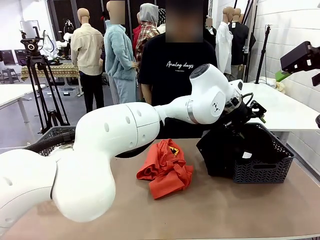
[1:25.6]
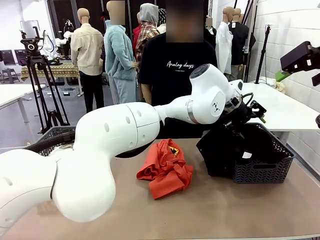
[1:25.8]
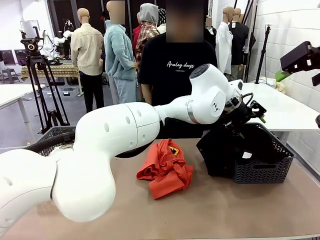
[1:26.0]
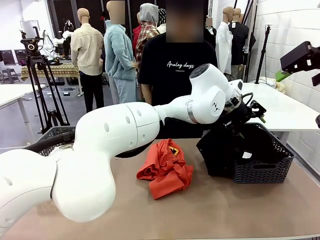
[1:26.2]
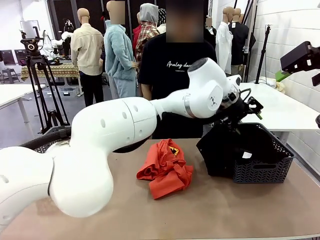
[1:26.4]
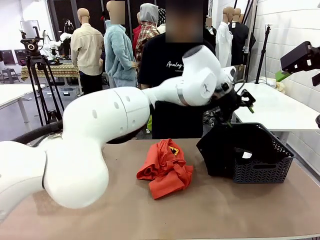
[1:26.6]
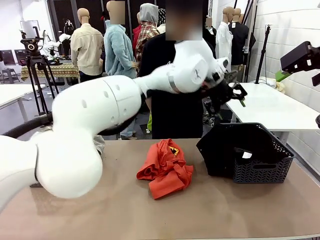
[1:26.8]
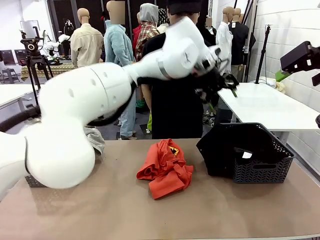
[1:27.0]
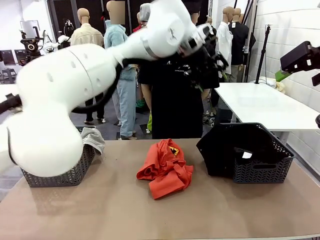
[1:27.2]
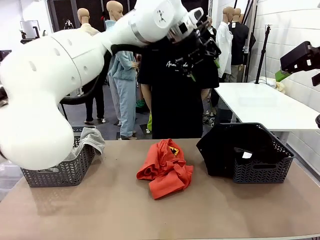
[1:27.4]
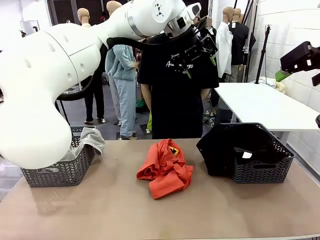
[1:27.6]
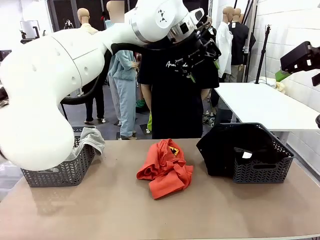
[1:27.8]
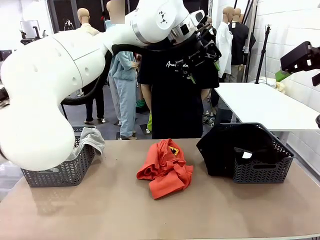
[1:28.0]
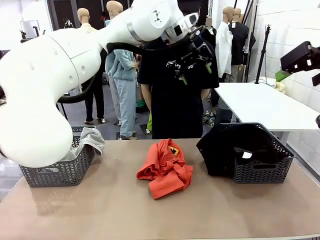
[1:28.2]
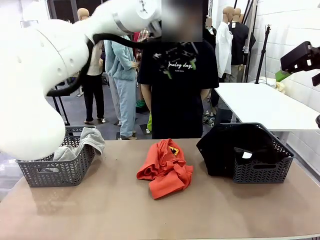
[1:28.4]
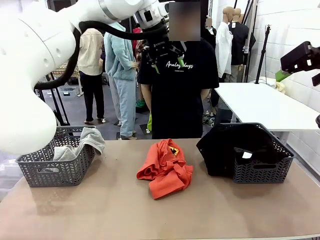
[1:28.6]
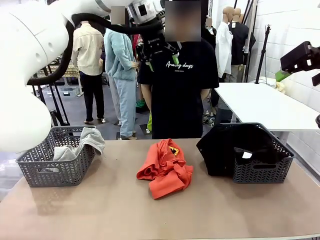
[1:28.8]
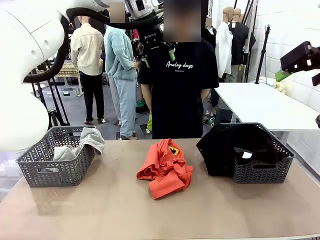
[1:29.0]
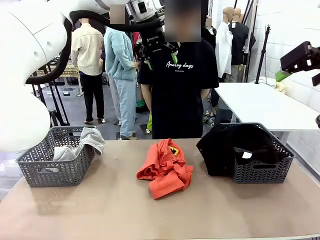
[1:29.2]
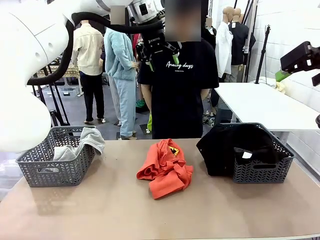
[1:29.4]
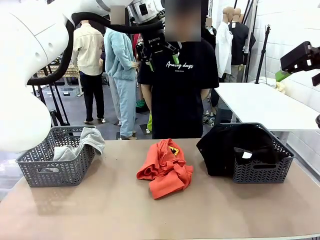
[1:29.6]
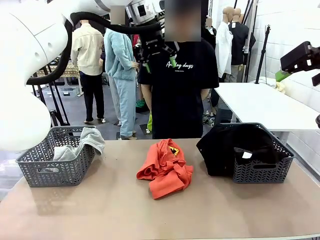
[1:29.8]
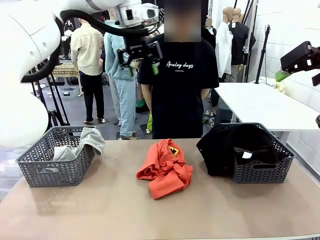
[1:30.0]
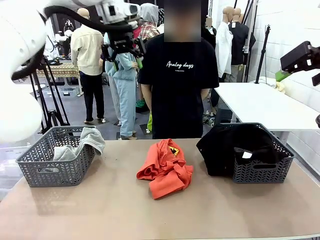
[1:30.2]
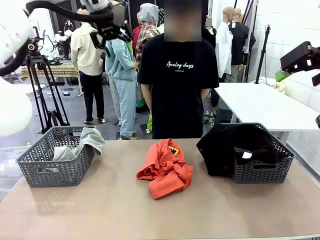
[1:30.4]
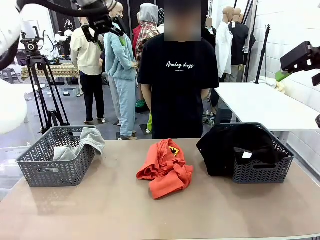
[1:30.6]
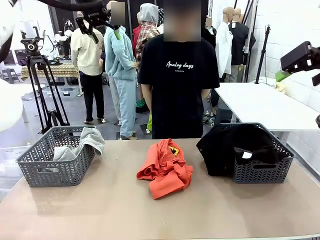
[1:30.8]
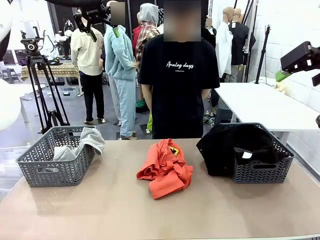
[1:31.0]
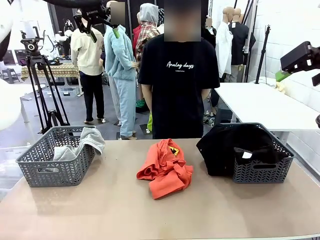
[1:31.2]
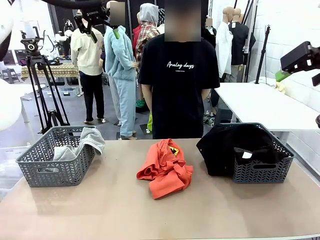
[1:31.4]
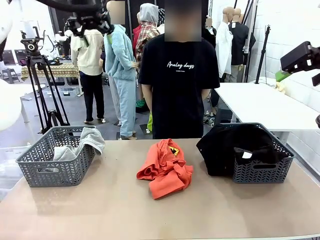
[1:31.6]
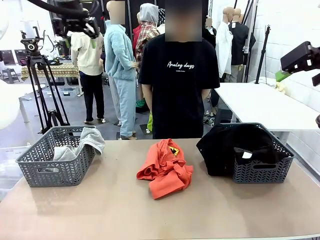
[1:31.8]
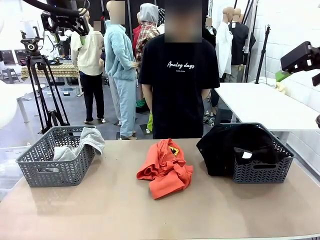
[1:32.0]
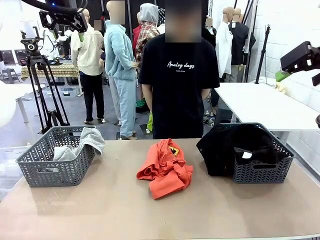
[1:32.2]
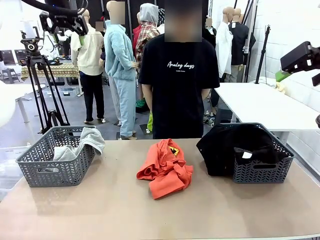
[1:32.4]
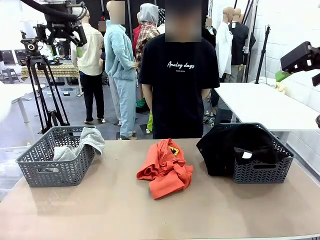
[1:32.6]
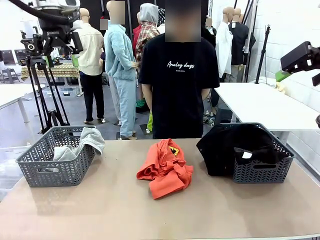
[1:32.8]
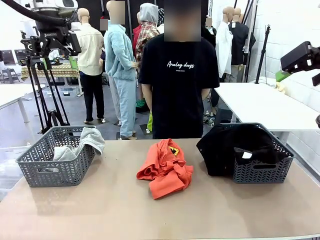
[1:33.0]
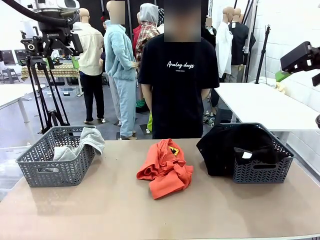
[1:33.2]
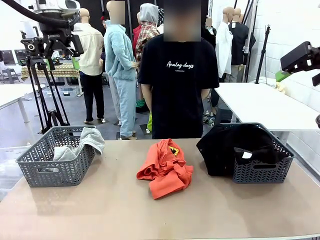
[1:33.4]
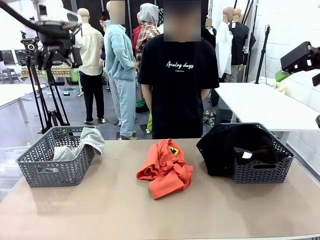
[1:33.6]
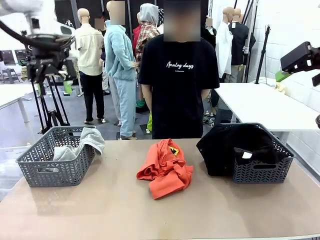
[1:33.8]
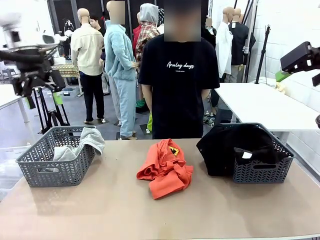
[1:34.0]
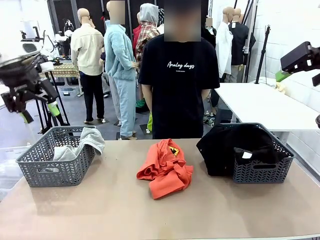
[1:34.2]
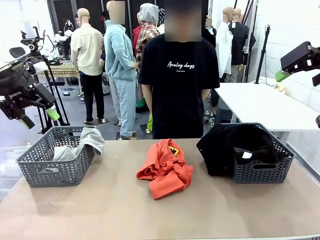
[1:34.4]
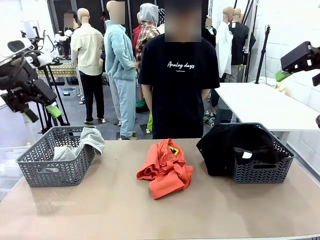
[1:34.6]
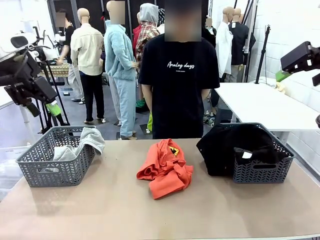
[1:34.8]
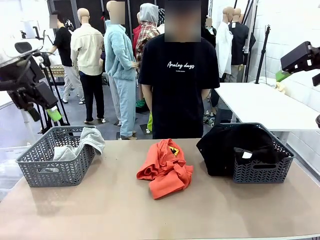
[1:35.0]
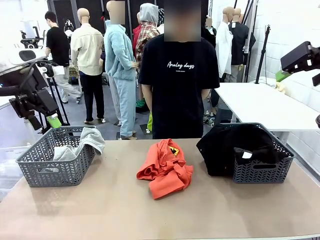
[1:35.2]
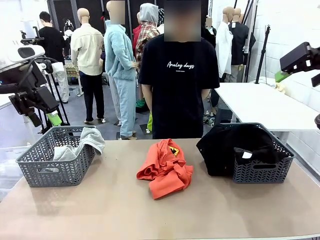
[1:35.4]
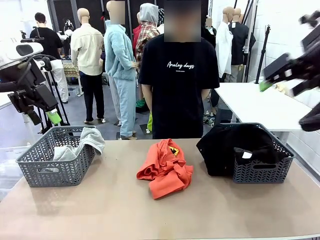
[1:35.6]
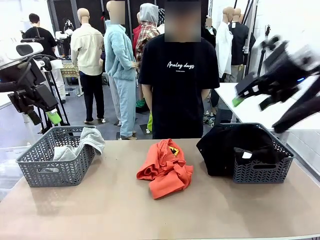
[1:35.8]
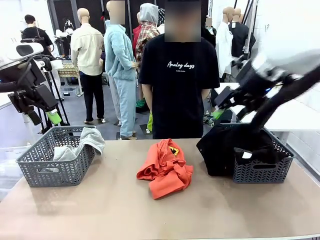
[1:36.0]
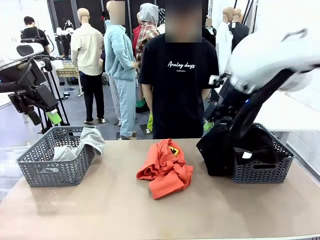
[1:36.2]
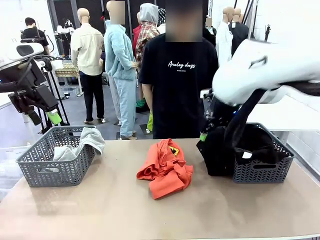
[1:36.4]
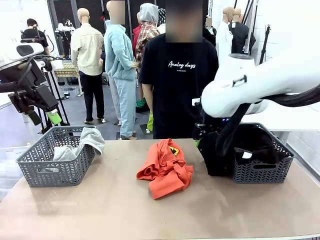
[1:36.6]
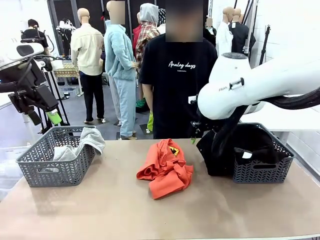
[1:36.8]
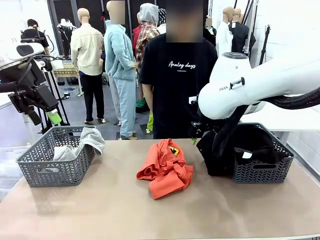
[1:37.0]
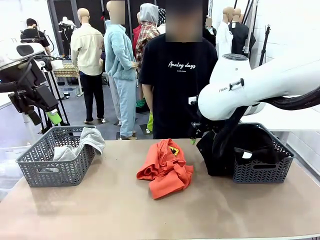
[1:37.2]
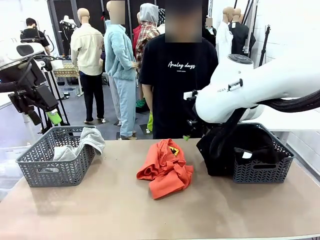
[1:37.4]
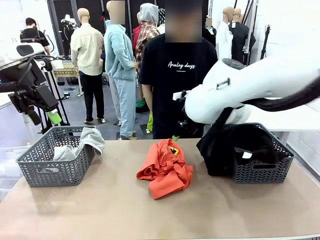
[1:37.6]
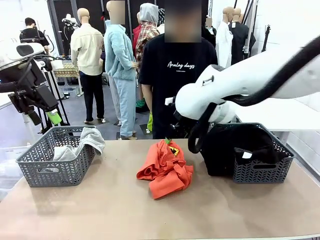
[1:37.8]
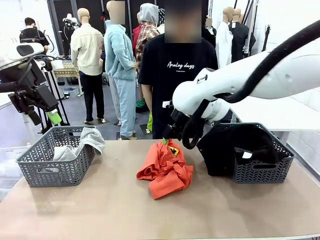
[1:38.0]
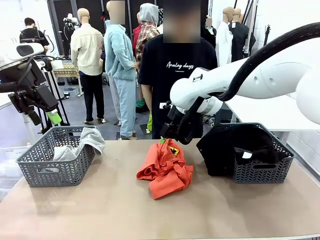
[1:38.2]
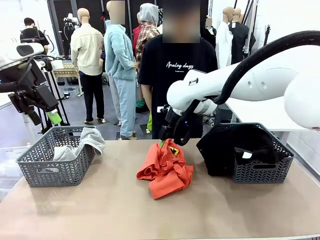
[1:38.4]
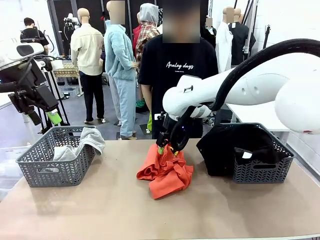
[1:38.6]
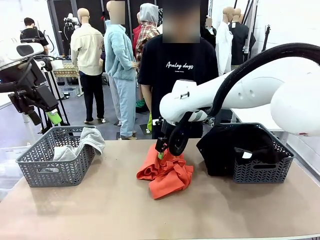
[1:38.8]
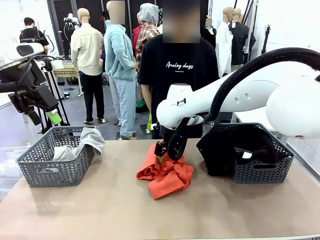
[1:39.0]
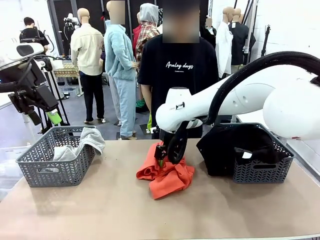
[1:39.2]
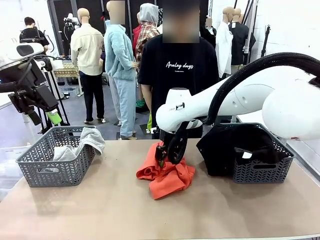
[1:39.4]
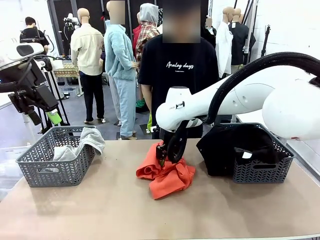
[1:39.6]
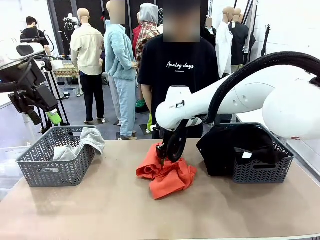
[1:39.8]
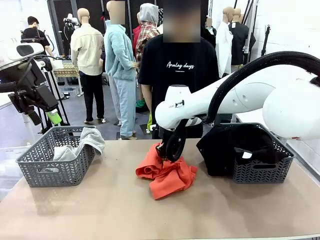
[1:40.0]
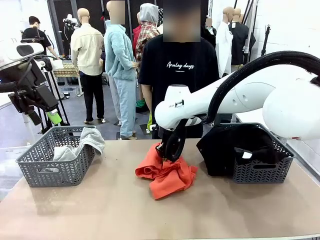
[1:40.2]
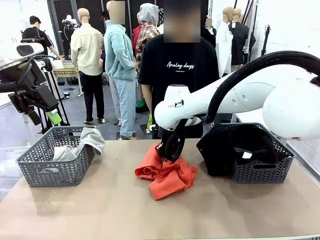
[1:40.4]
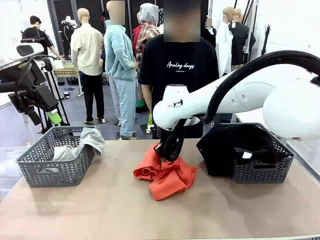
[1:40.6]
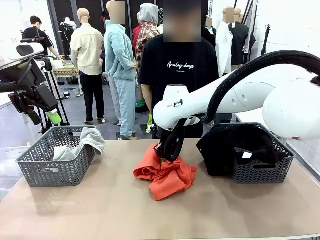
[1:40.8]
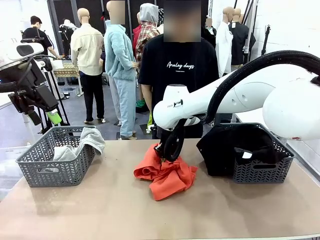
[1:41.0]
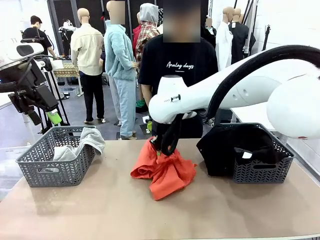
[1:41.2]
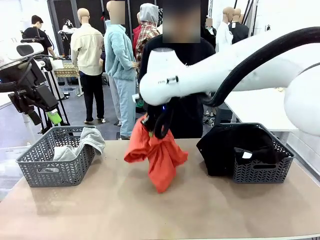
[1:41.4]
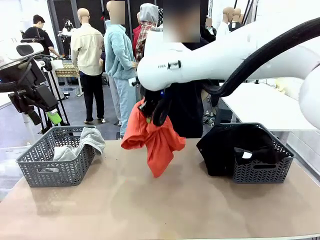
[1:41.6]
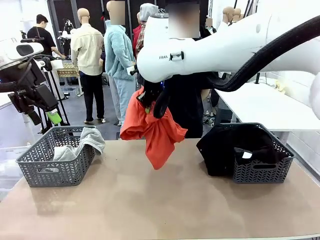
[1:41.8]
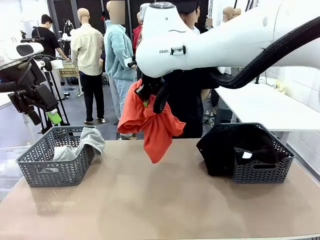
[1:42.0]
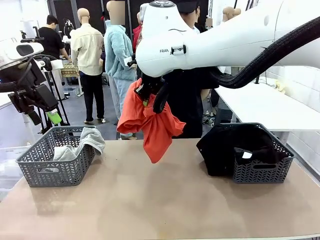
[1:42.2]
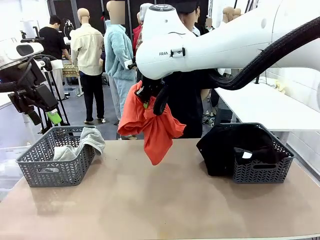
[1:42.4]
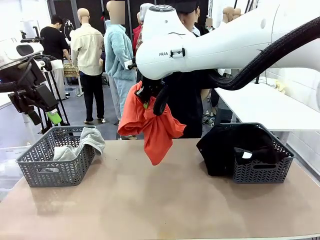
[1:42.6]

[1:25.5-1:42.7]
Task: Sort the tops and bottoms.
Robot: Lift clothes from the center of the table with your right hand.
